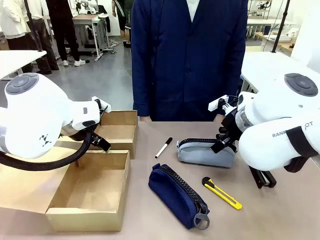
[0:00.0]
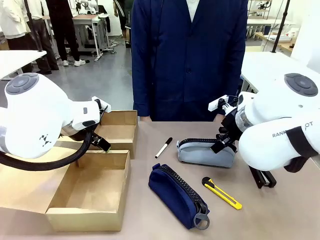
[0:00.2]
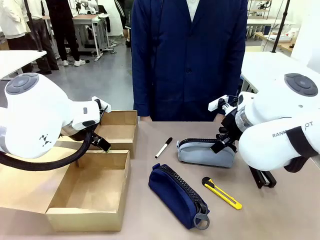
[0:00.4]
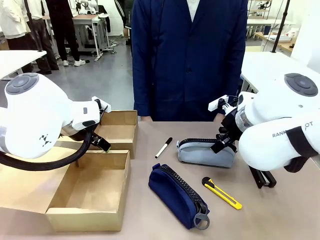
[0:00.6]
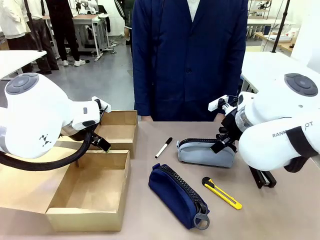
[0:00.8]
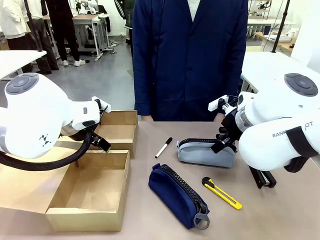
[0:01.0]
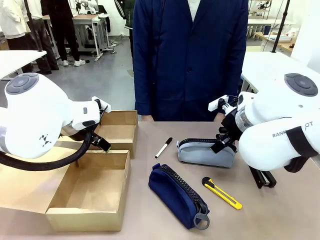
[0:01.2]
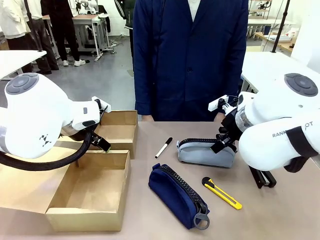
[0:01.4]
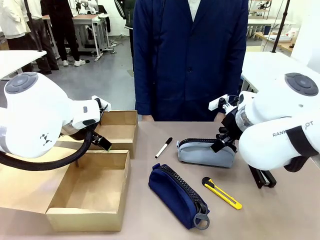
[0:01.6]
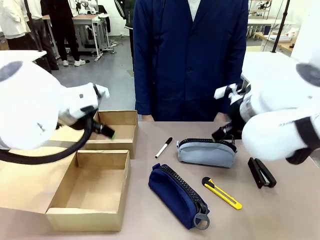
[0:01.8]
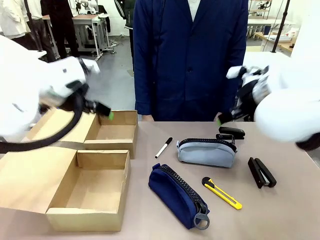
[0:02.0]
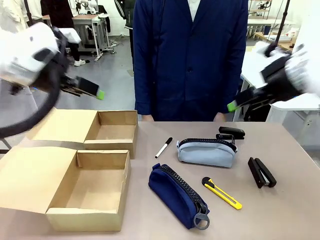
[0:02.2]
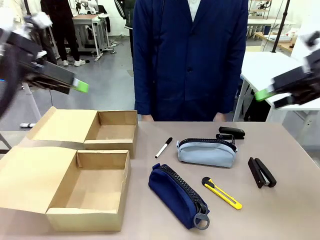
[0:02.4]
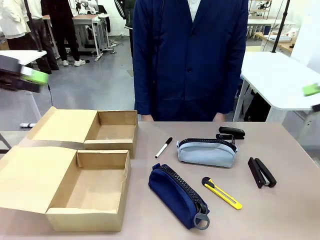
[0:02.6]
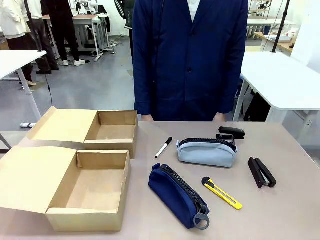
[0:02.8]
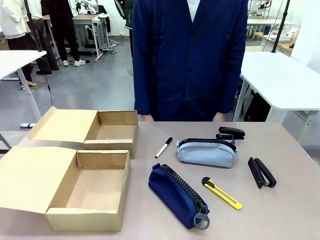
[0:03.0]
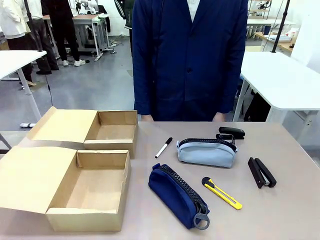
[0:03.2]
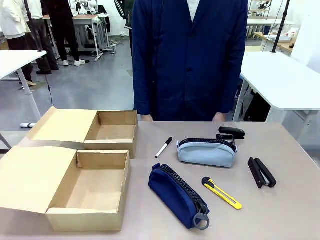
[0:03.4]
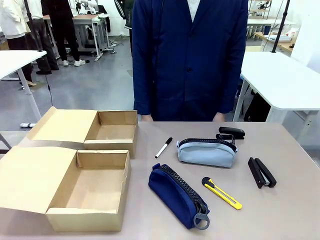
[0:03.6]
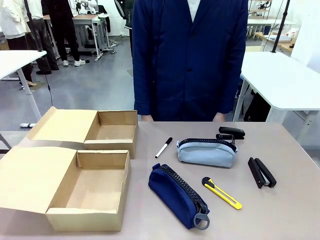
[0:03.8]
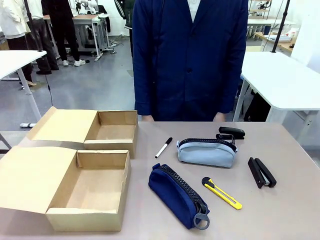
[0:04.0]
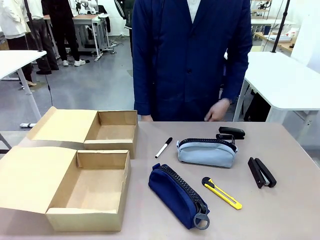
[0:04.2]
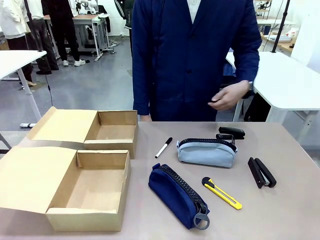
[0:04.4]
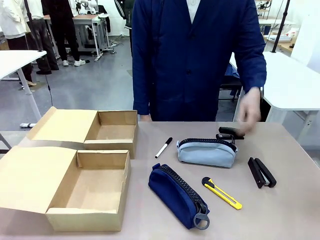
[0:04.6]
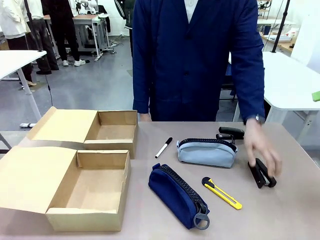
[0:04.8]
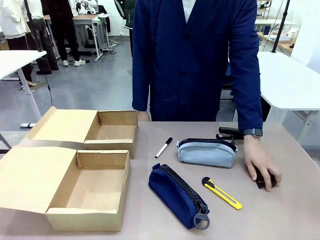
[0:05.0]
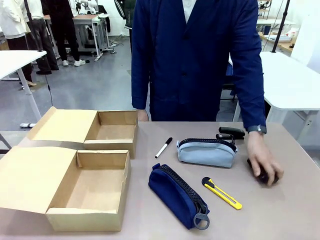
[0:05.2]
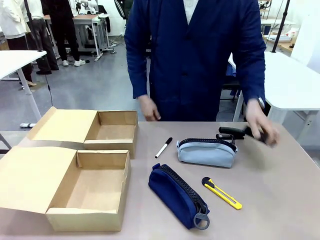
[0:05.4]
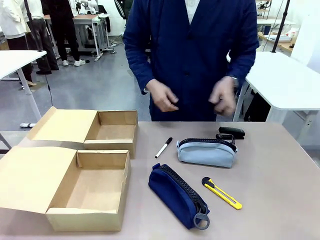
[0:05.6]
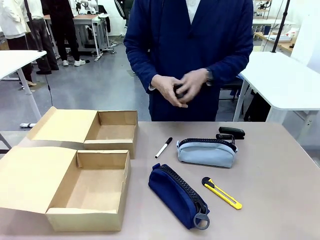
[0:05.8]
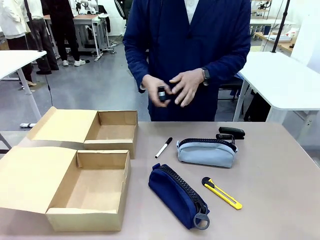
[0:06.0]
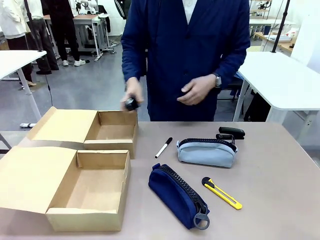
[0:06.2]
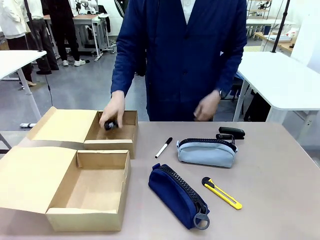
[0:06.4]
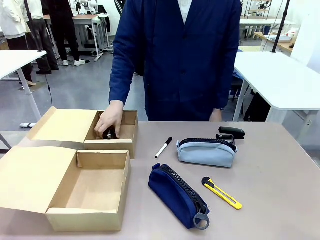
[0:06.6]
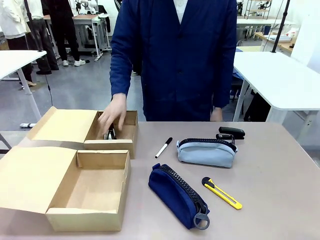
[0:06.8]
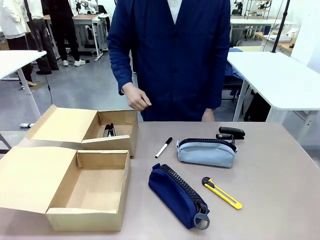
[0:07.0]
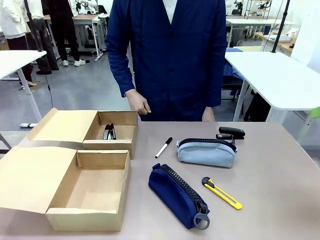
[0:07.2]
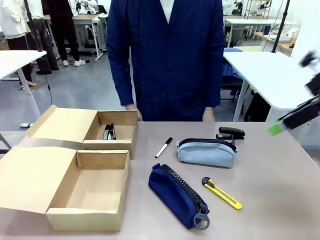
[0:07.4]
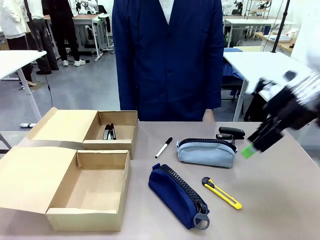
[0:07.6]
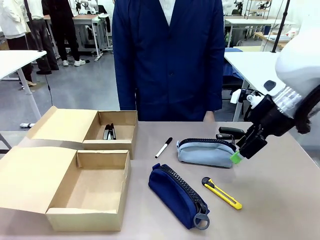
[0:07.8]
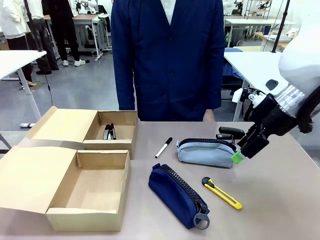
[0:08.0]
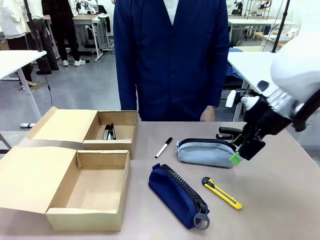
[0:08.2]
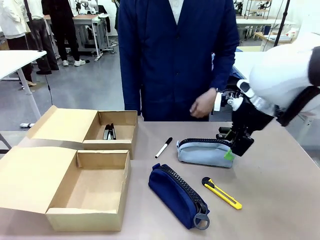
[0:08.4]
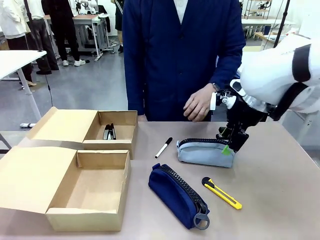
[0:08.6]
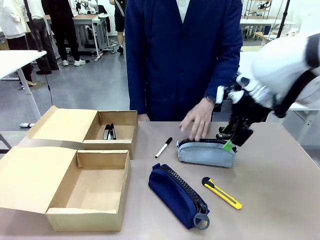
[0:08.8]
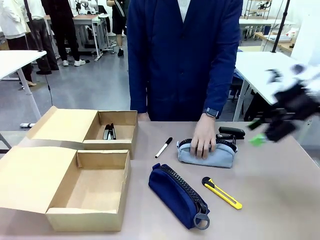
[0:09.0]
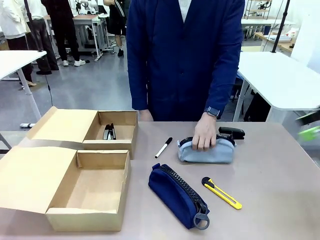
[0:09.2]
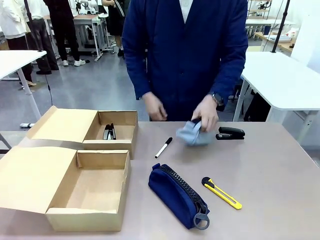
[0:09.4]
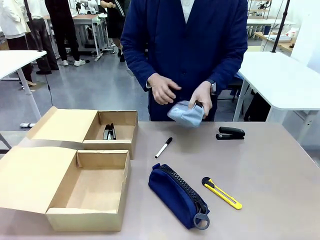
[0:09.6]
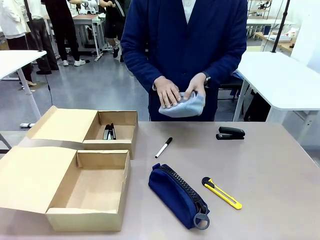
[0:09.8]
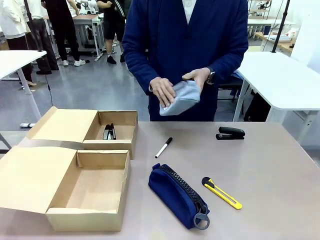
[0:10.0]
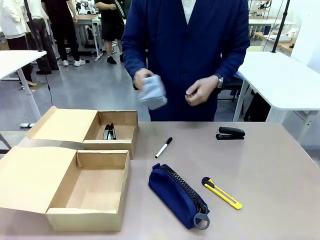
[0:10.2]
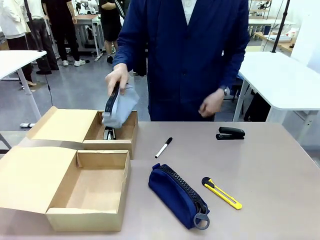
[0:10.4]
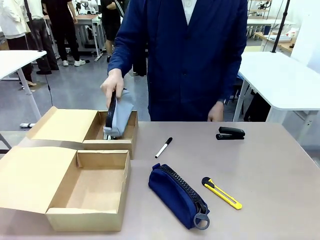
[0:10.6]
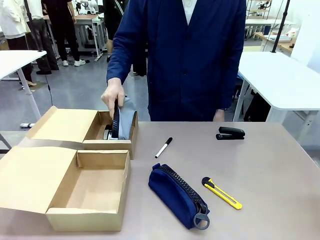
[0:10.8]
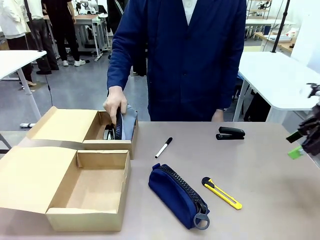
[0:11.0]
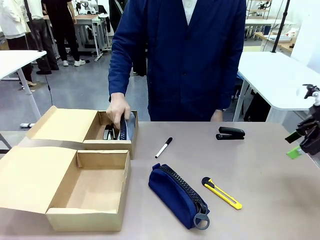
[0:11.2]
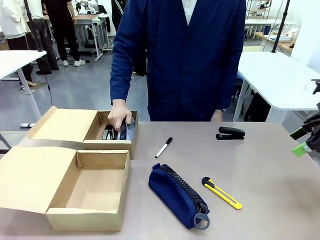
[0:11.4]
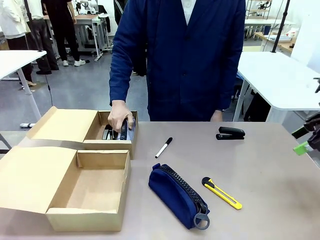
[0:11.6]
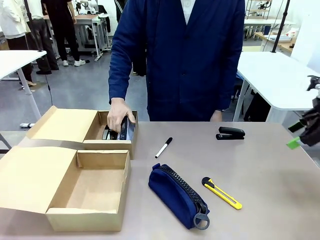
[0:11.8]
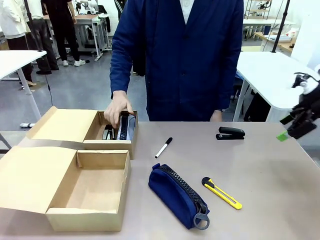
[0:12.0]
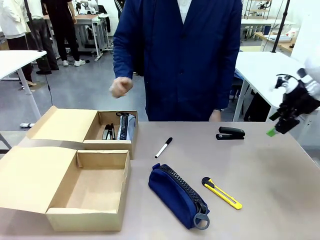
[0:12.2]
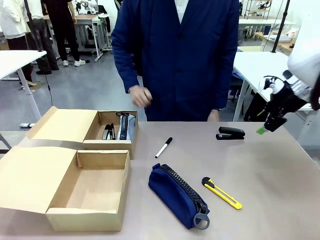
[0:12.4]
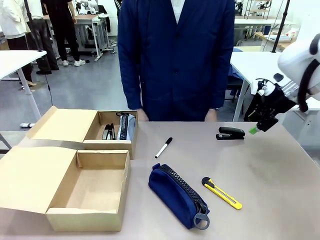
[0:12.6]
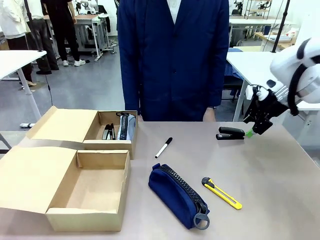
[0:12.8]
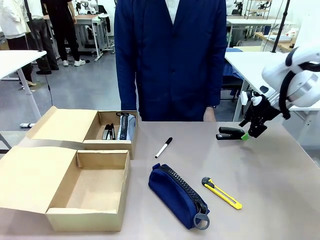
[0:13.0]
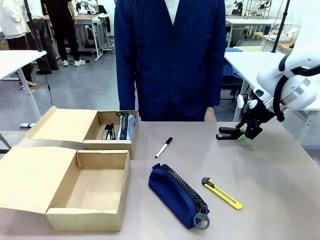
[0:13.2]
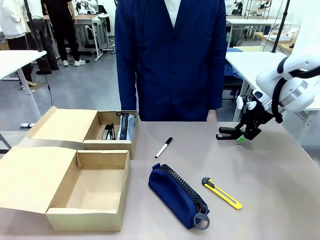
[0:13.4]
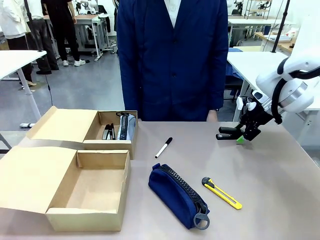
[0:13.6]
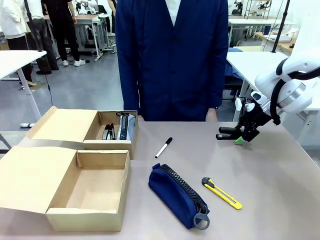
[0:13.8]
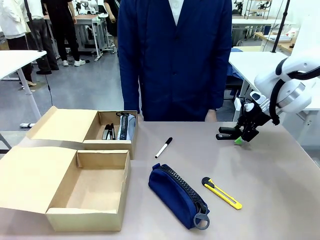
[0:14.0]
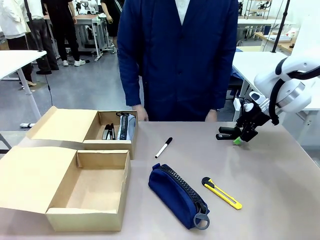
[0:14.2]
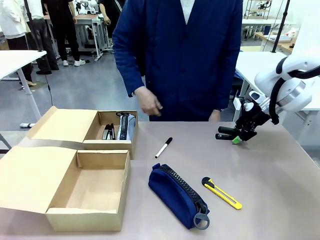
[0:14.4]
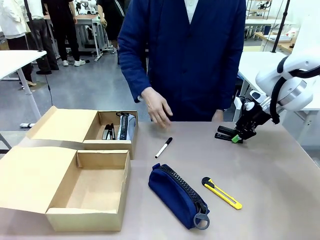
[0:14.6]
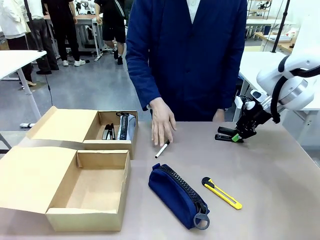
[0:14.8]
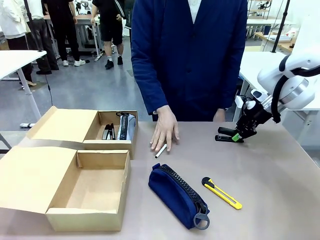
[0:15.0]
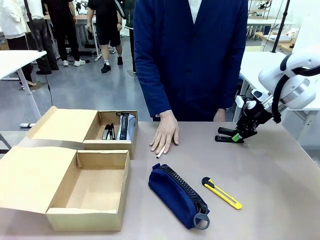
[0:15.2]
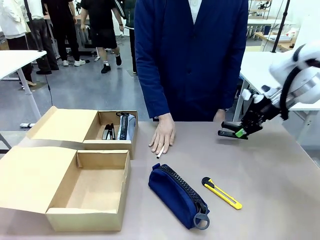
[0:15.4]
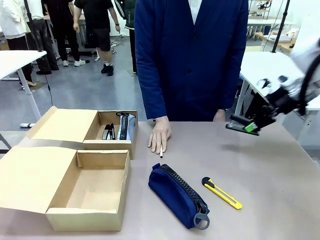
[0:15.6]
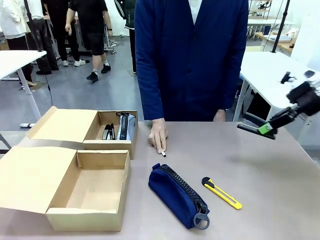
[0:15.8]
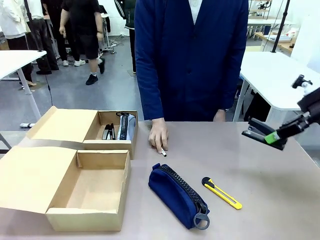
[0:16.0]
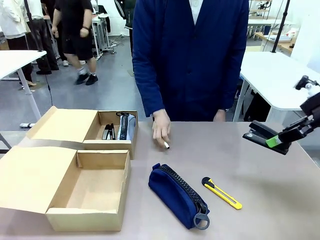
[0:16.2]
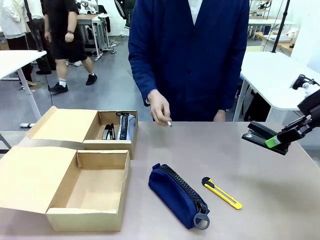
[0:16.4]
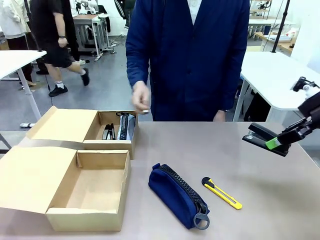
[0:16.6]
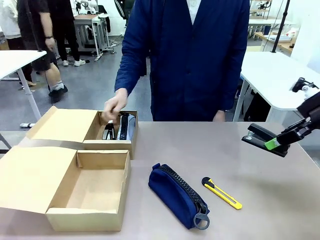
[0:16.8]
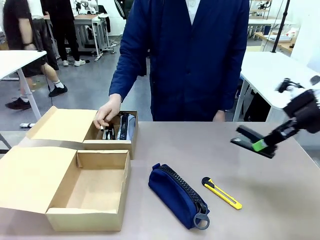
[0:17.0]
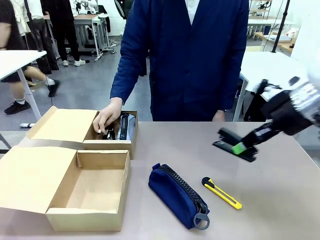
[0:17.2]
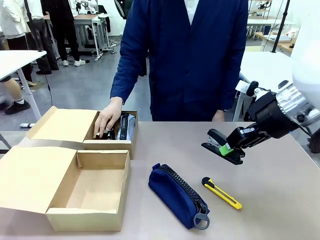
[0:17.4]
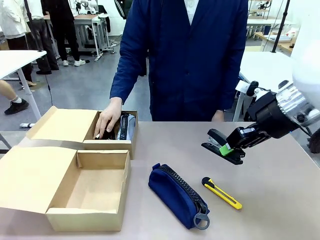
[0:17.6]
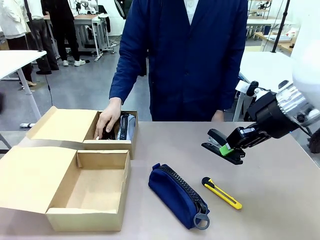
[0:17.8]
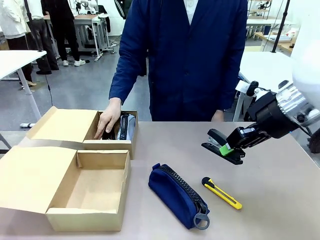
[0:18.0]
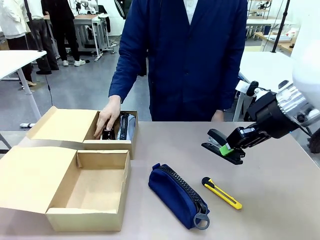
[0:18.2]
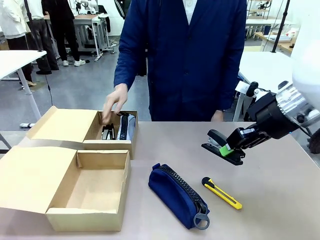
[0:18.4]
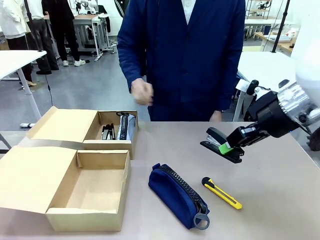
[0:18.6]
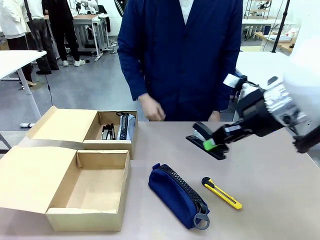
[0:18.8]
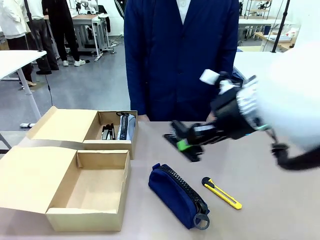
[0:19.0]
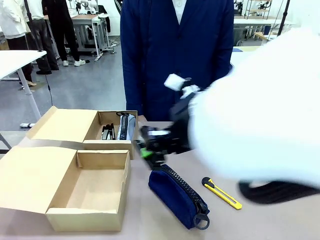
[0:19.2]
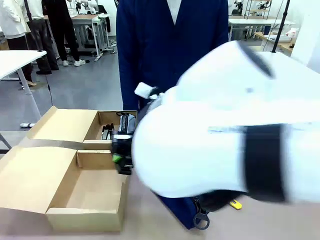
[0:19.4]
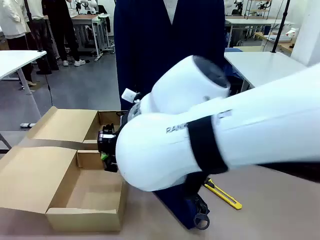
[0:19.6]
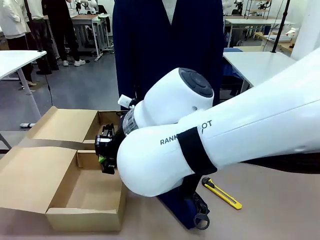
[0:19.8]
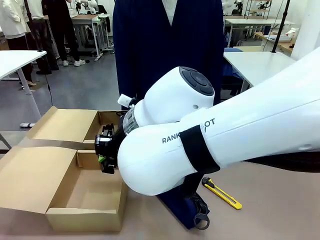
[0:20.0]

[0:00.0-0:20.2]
Task: Place items inside the box.
Robot: Pick up a Pencil pouch or Stapler and place it inside the Mailer Box closest to the robot.
Person: Pick up an object on the table and put it in the box.
